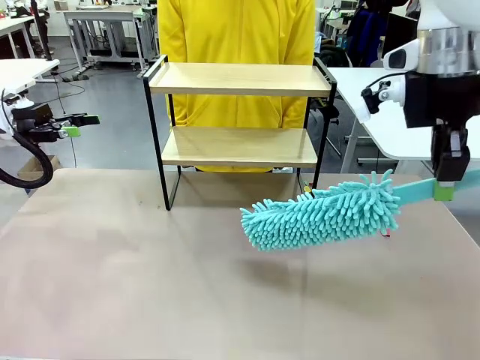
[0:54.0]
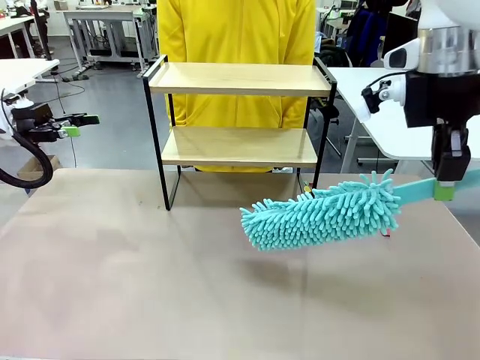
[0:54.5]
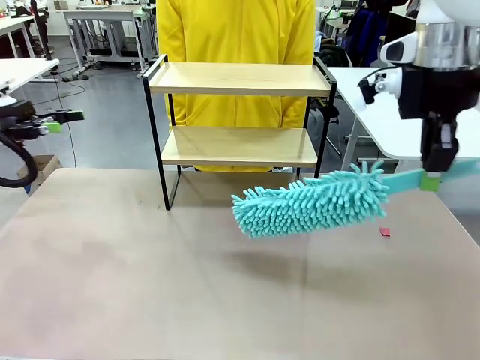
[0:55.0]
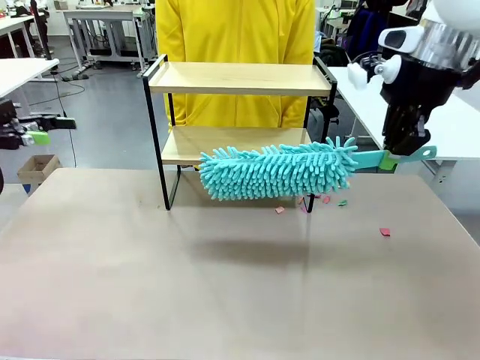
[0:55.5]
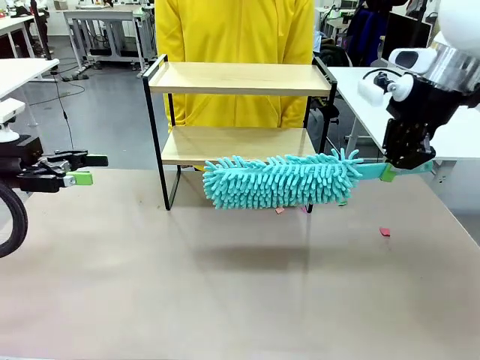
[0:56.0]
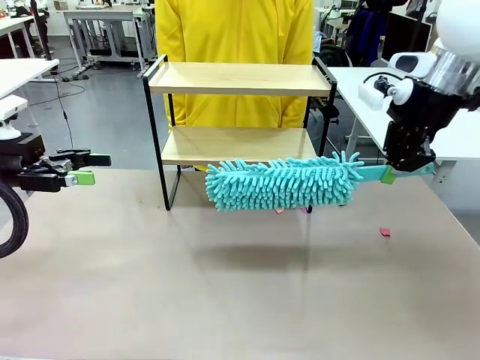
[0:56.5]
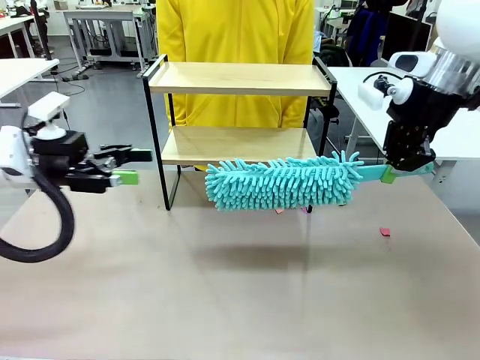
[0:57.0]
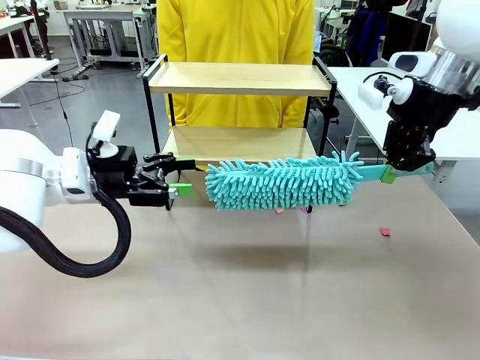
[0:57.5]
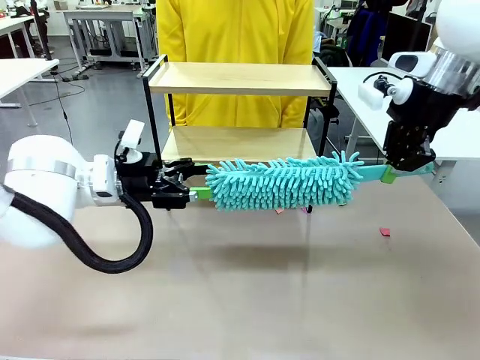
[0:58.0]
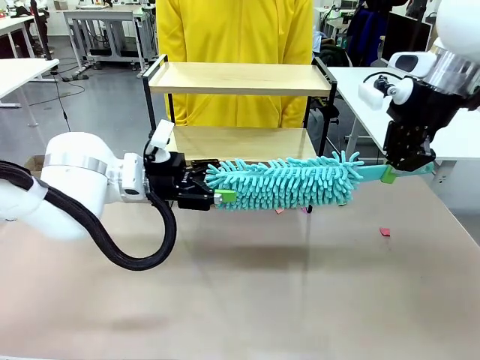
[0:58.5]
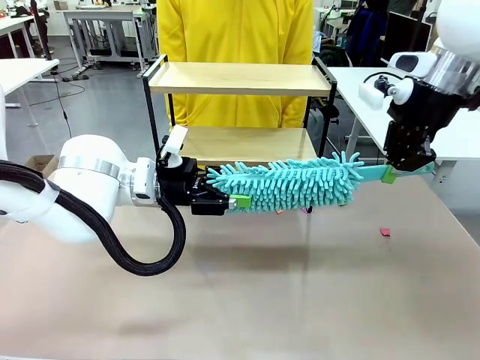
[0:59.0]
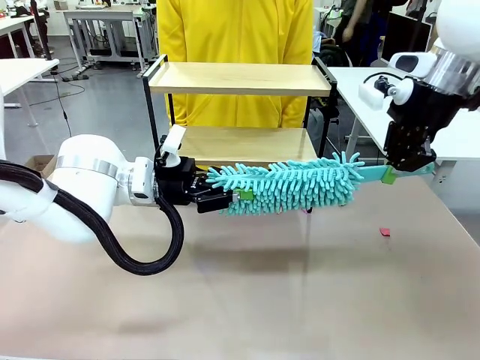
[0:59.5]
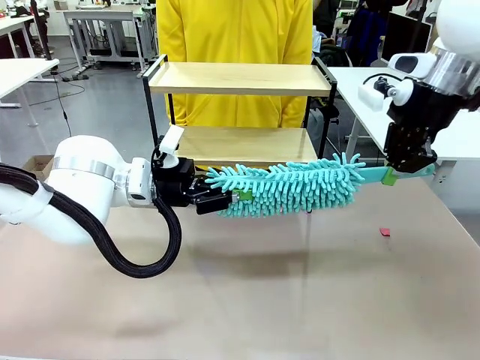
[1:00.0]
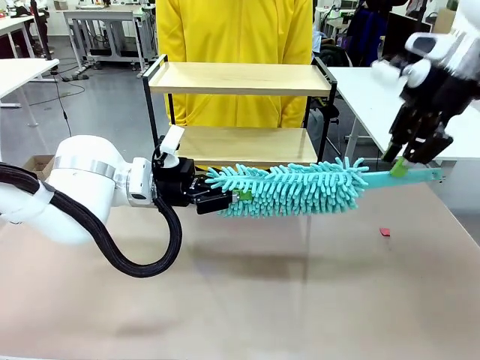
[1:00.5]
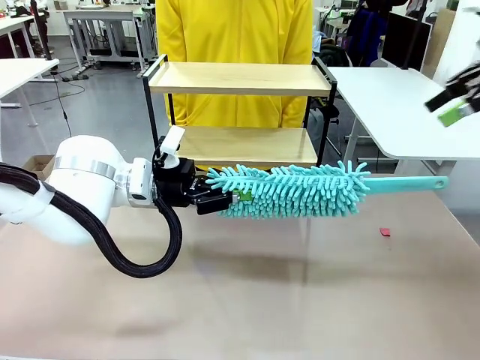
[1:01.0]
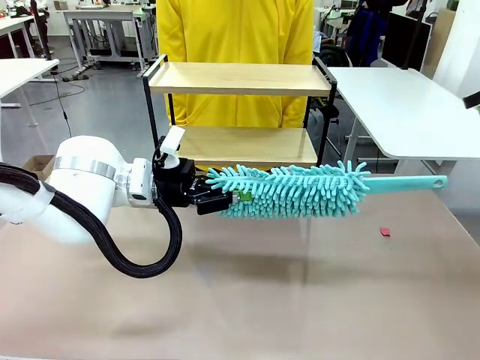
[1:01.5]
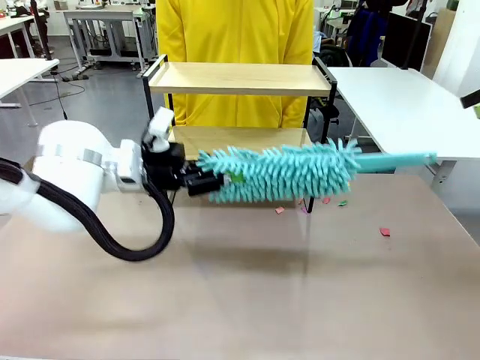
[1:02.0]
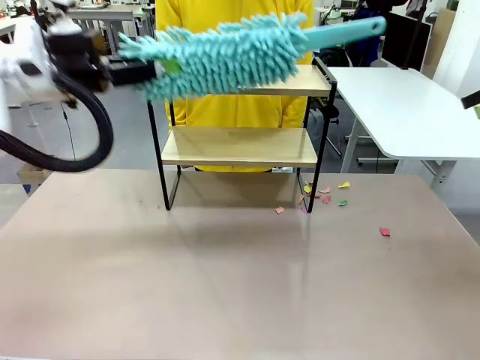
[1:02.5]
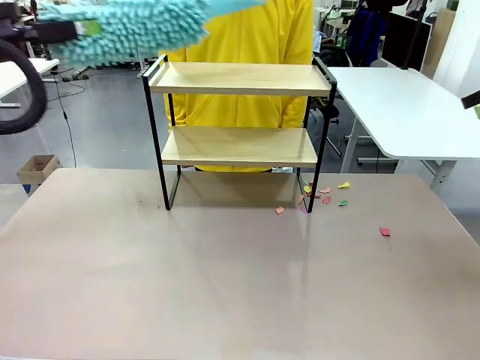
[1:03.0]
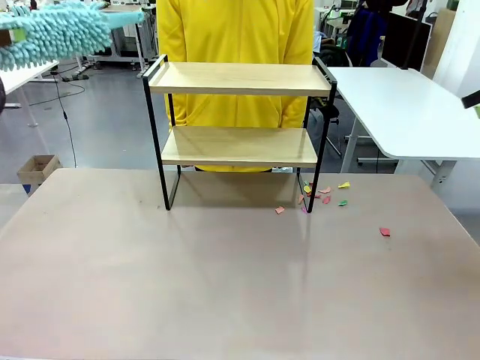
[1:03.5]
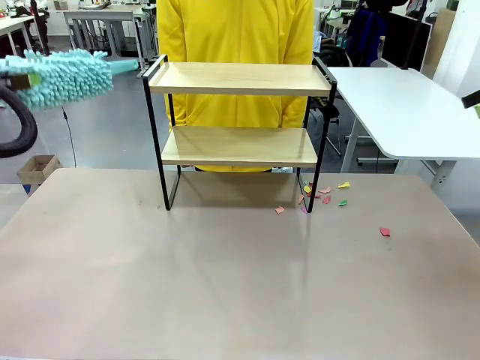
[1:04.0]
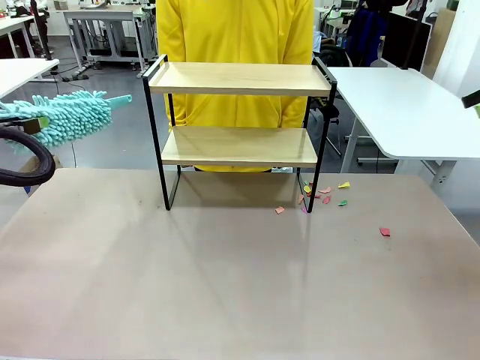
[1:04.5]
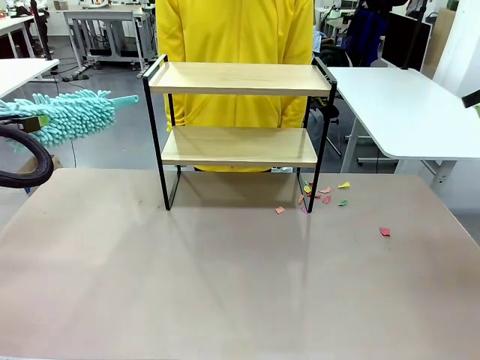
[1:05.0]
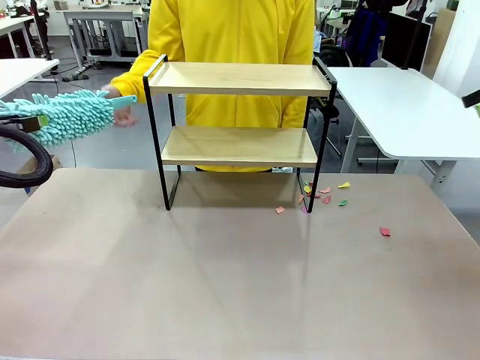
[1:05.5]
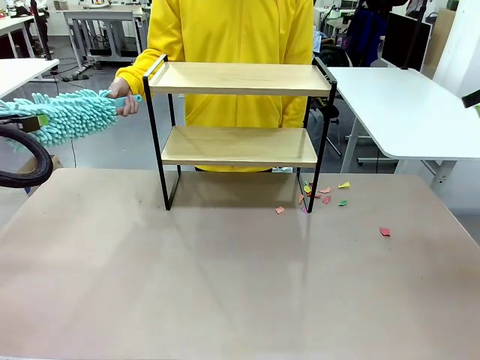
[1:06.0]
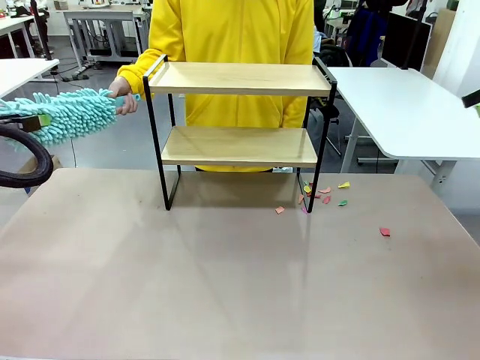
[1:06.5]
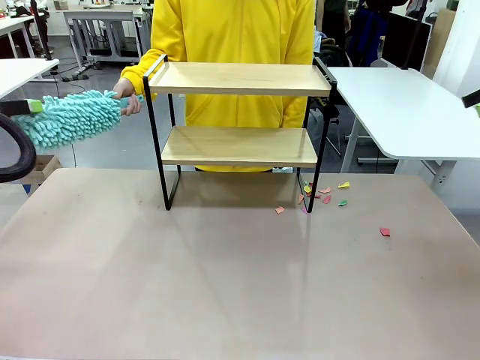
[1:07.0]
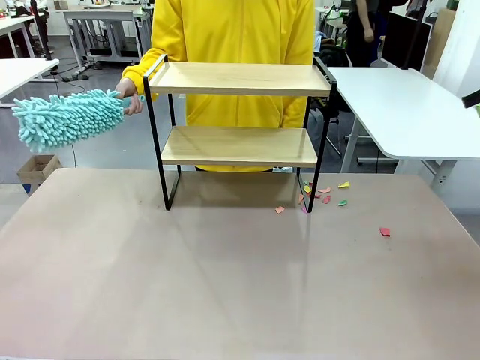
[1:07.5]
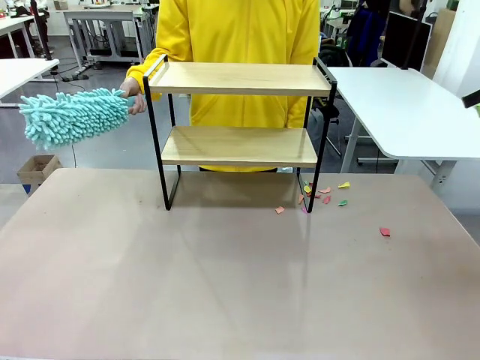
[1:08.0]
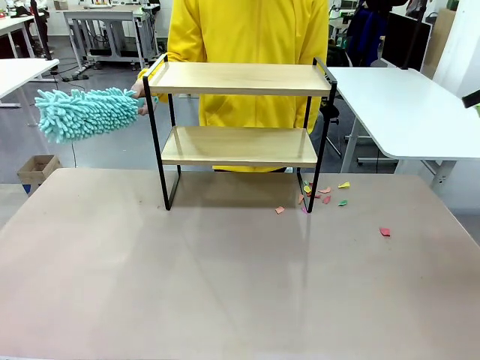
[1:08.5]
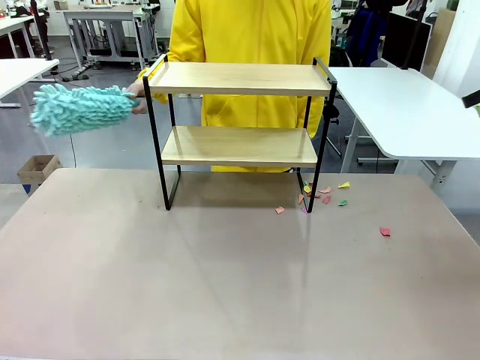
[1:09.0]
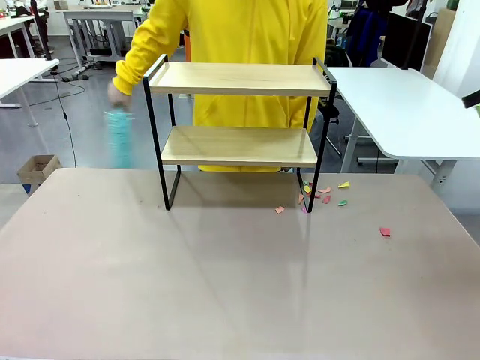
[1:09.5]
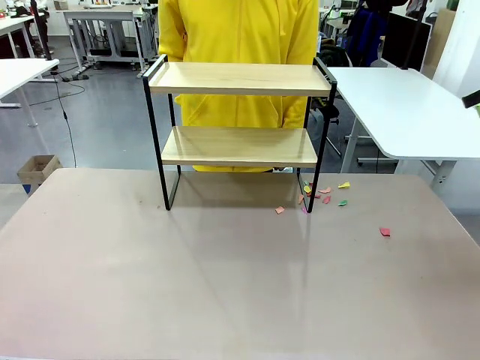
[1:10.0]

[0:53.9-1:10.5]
Task: Clean the shelf.
Robot: Hand the Duster back to the human.
Person: Receive the Duster from the robot.

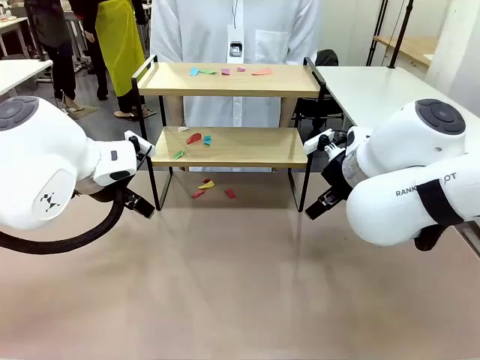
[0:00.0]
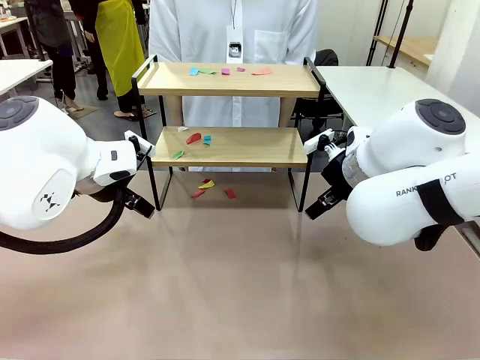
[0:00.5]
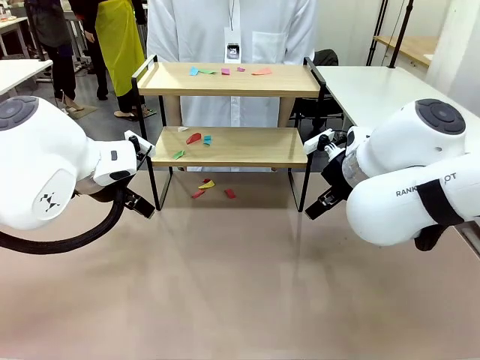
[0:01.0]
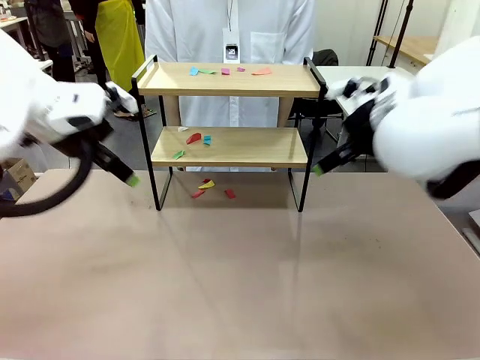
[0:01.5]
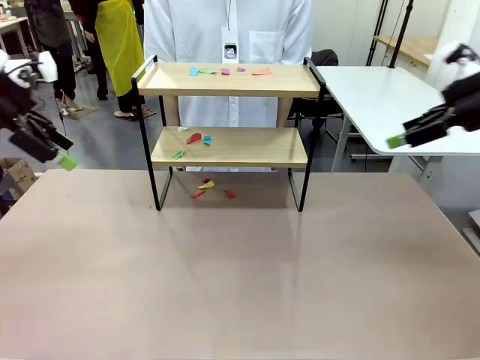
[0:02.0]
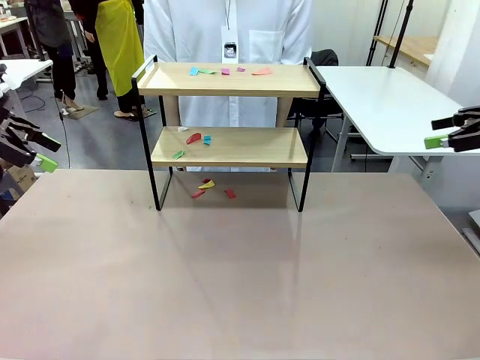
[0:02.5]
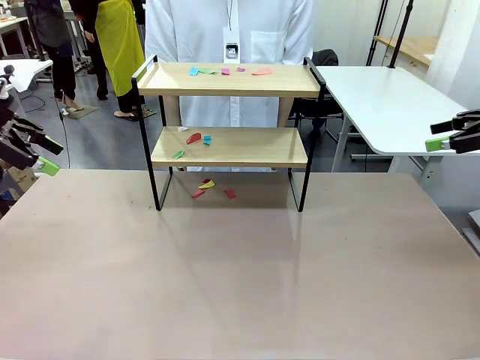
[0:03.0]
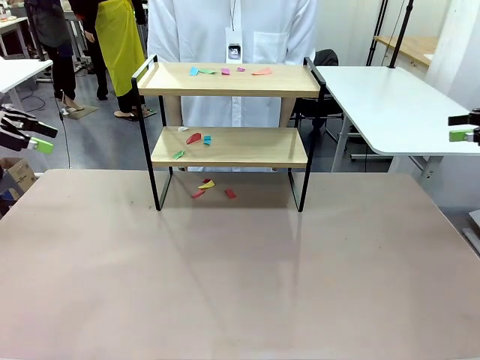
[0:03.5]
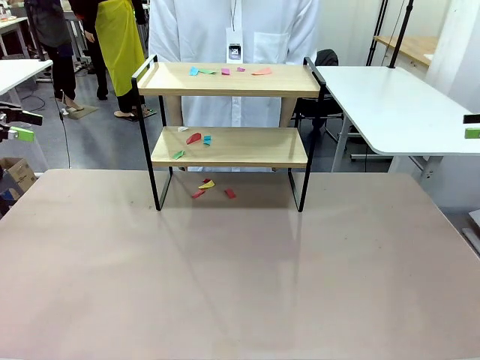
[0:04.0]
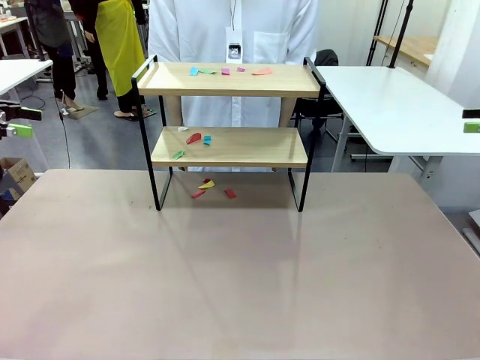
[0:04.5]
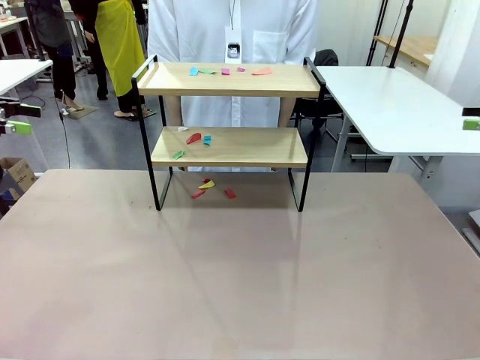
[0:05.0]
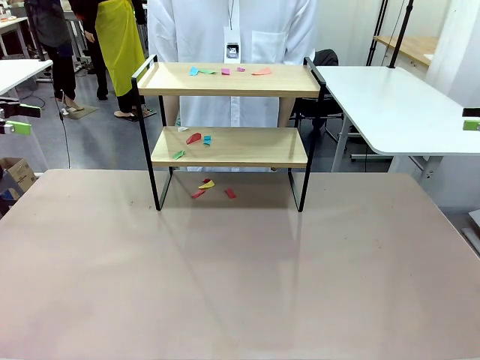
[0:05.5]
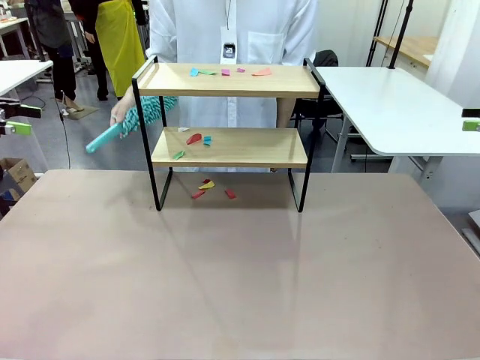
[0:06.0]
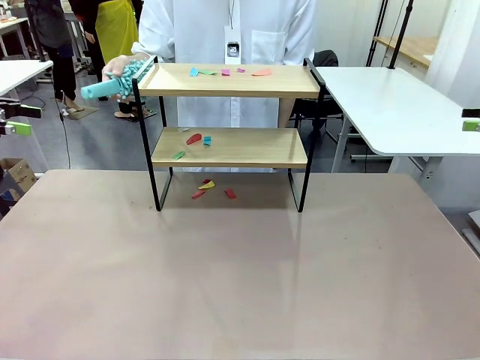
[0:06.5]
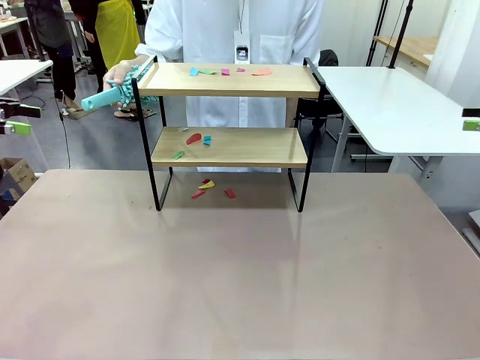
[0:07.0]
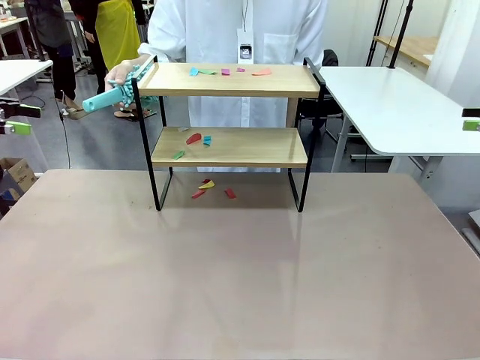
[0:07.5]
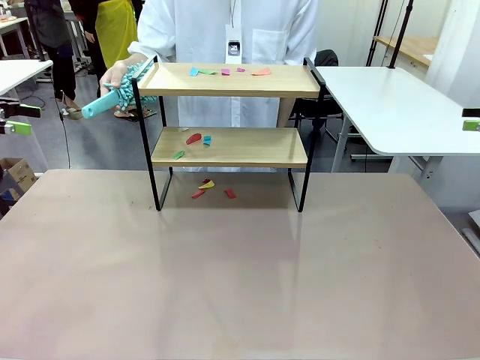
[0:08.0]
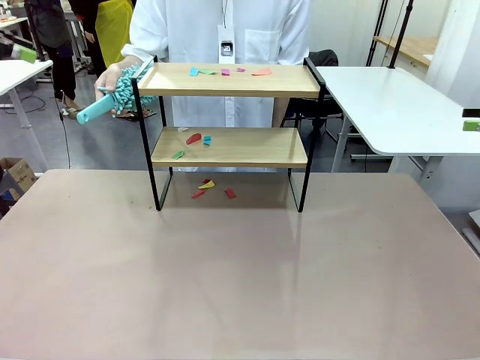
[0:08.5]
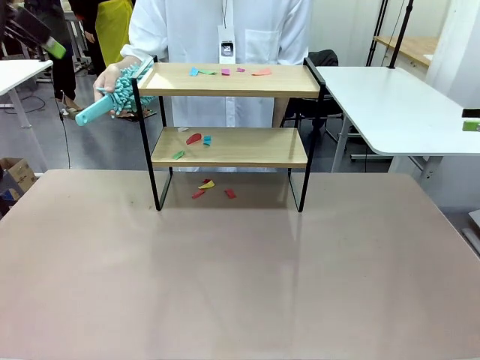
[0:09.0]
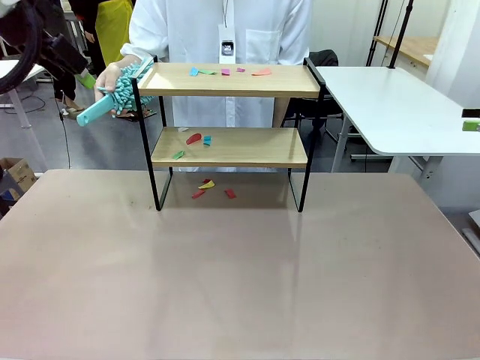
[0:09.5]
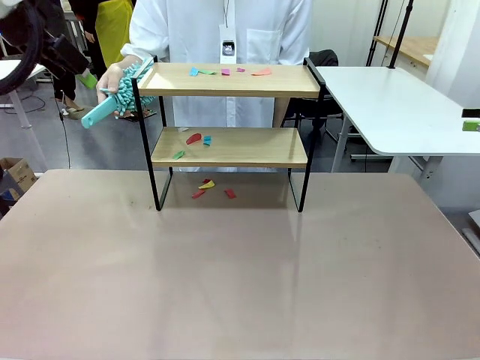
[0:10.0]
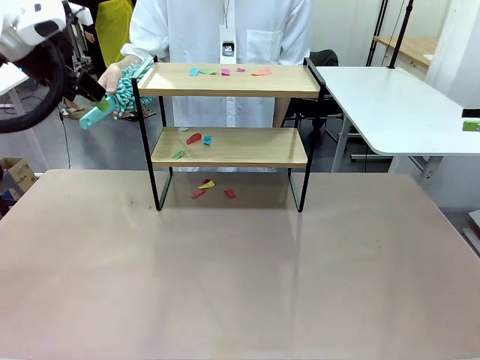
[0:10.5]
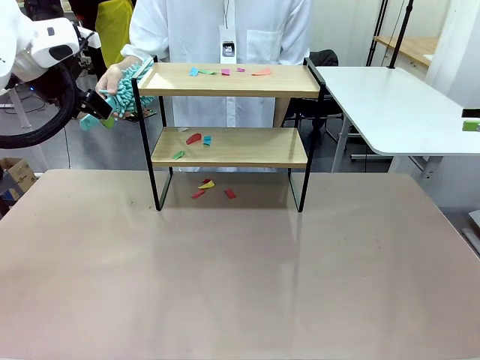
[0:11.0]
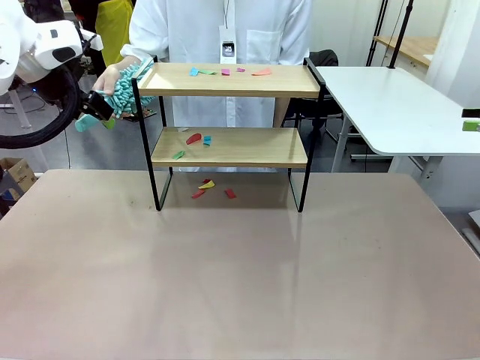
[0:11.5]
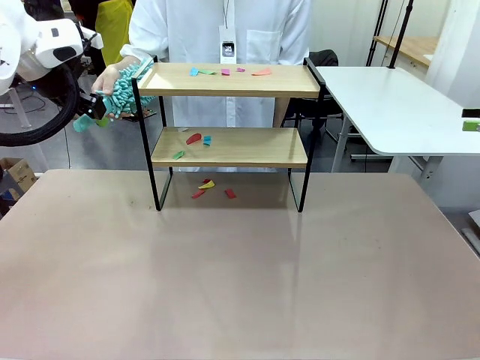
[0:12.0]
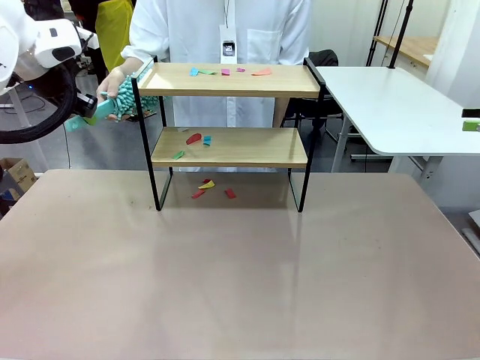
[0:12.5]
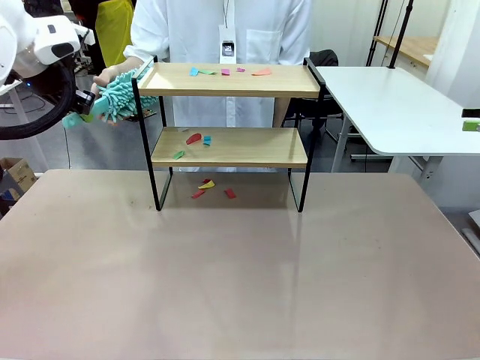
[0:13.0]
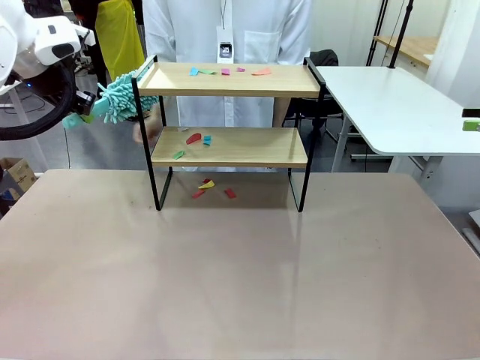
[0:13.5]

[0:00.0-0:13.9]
Task: Clean the shelf.
Robot: Pick up the Duster handed by the human.
Person: Hand the Duster to the robot.
